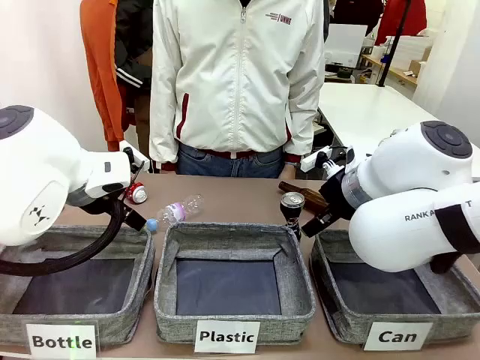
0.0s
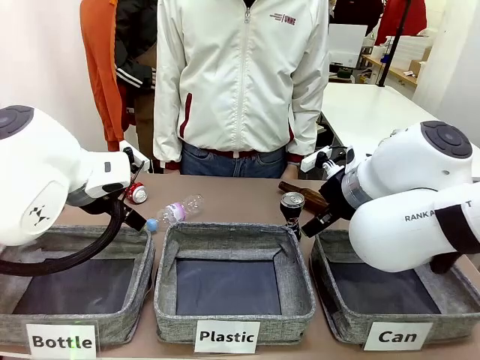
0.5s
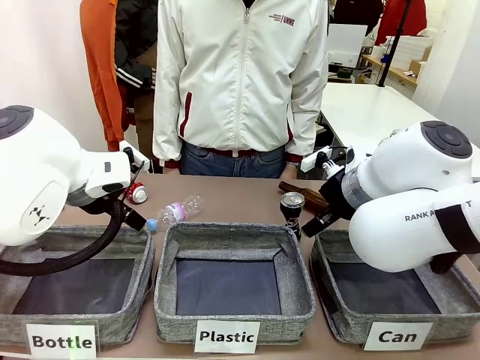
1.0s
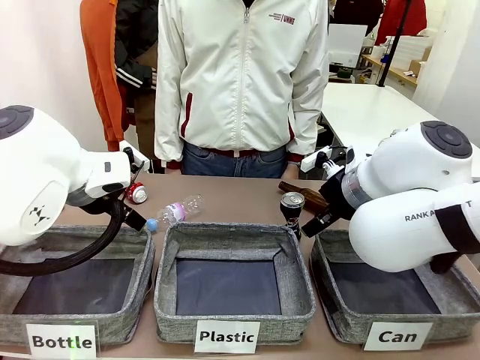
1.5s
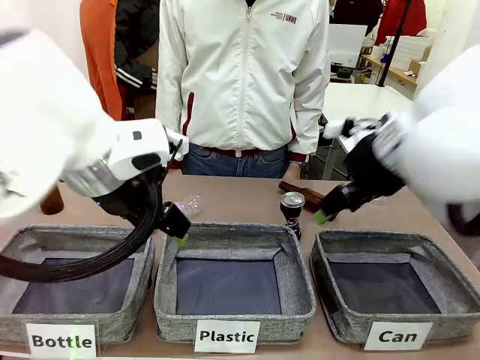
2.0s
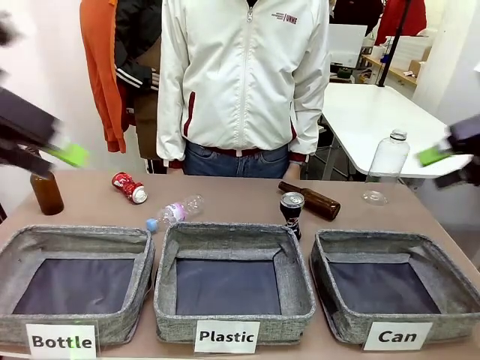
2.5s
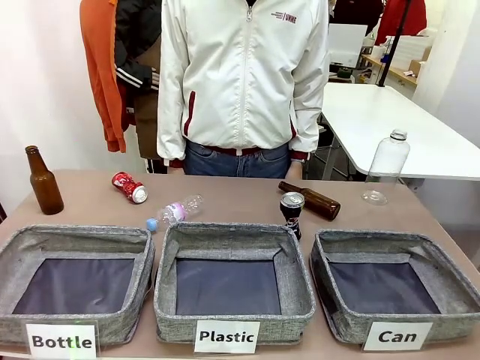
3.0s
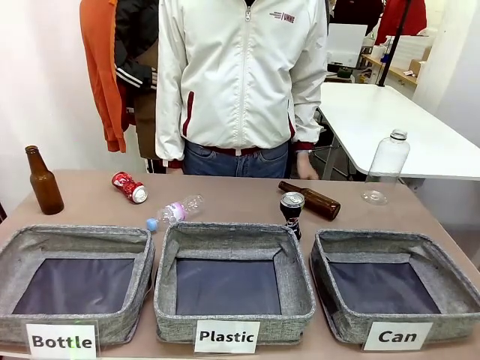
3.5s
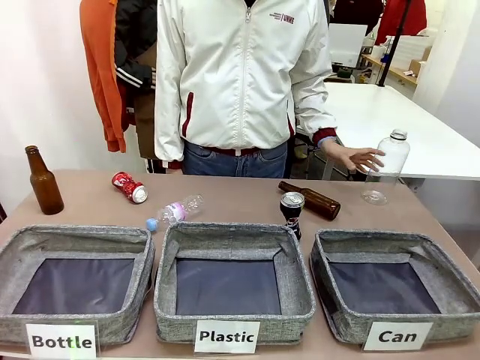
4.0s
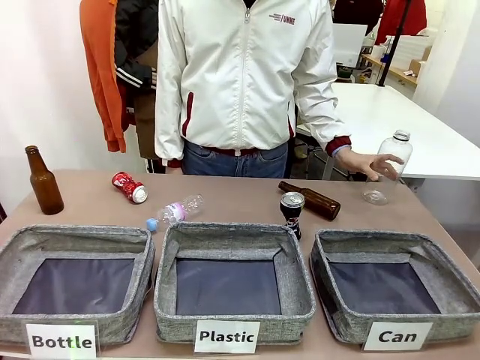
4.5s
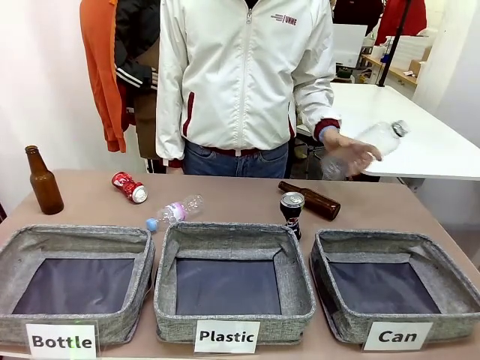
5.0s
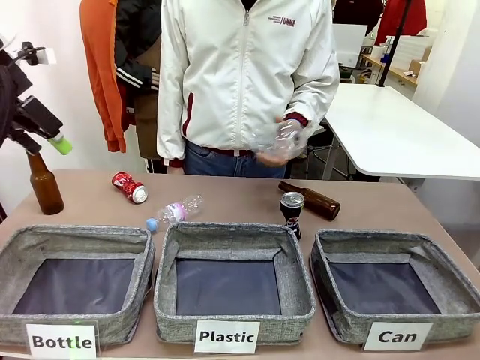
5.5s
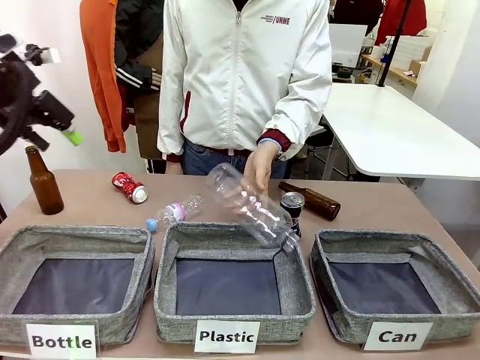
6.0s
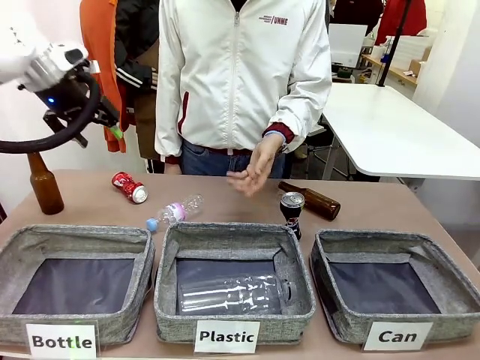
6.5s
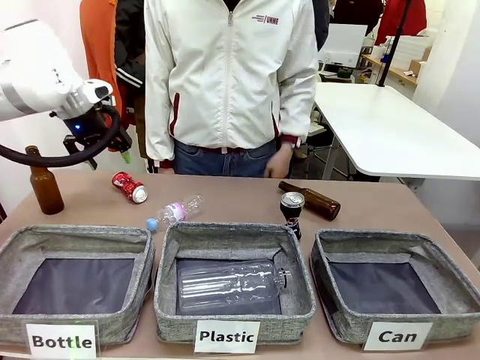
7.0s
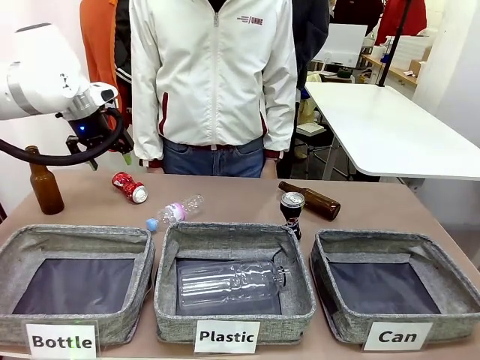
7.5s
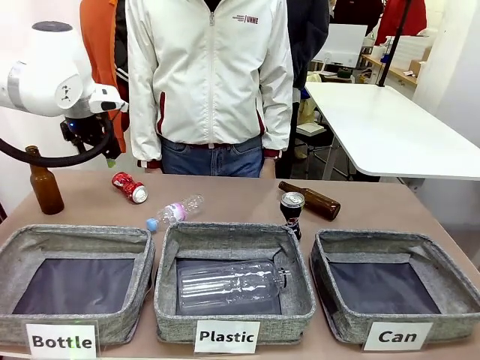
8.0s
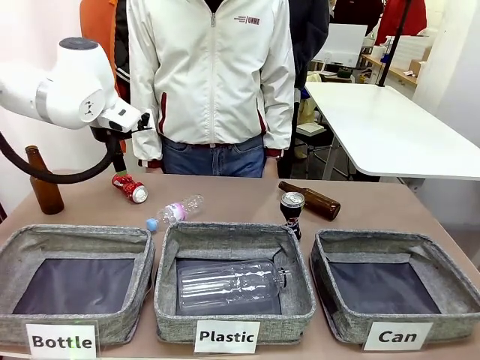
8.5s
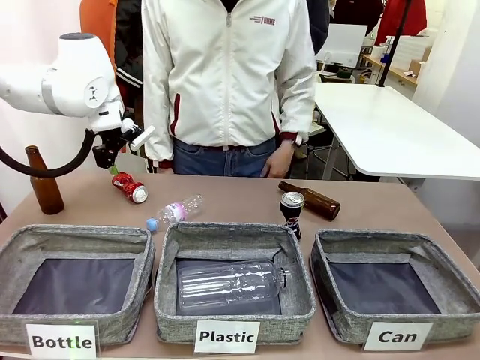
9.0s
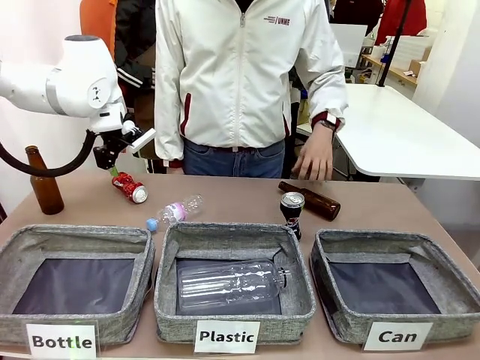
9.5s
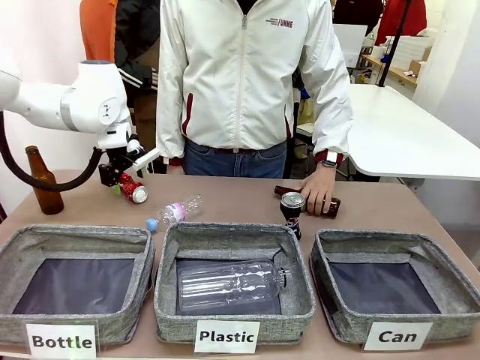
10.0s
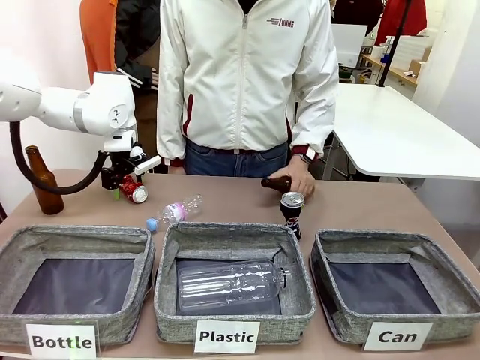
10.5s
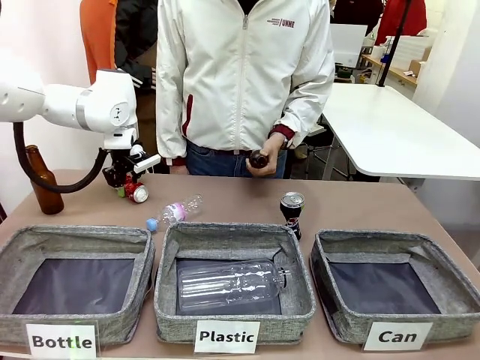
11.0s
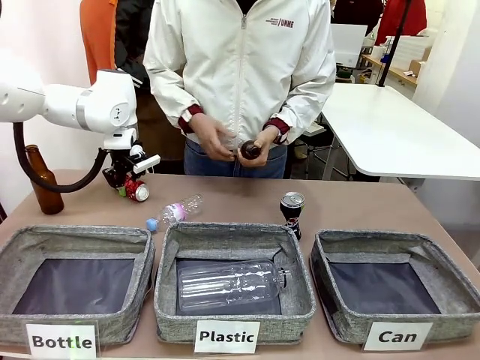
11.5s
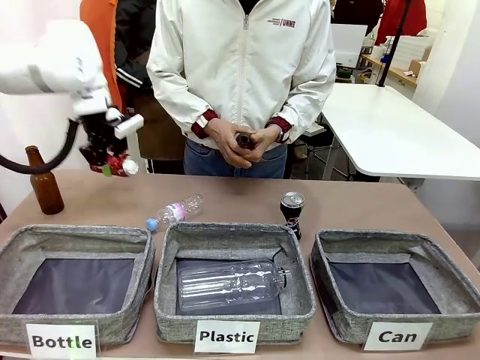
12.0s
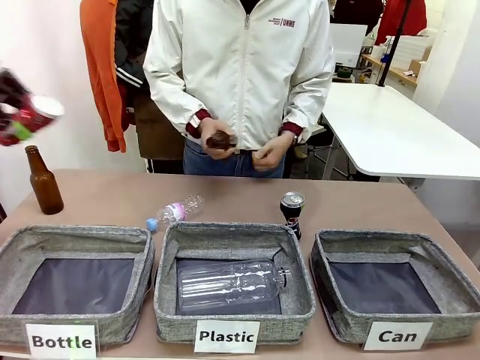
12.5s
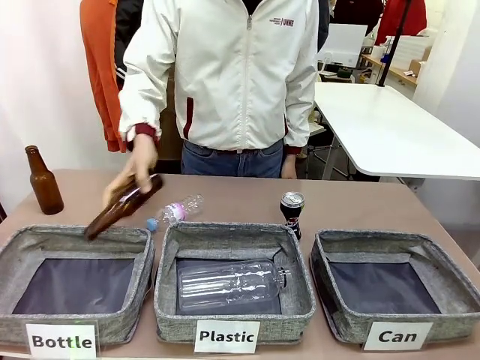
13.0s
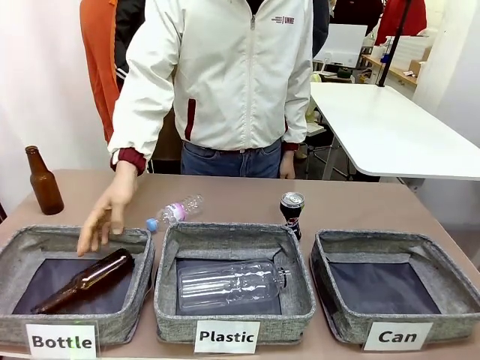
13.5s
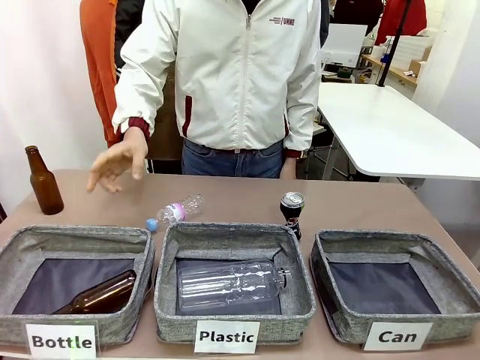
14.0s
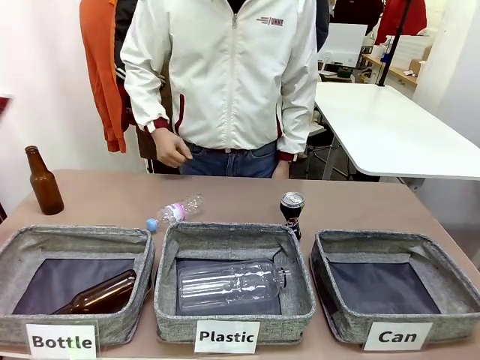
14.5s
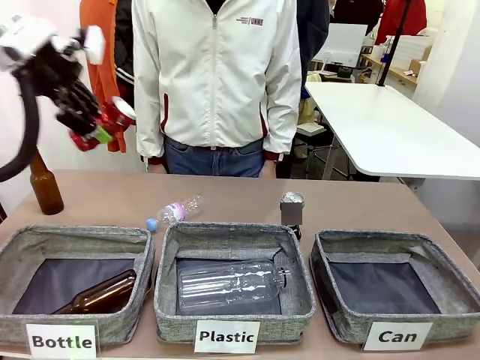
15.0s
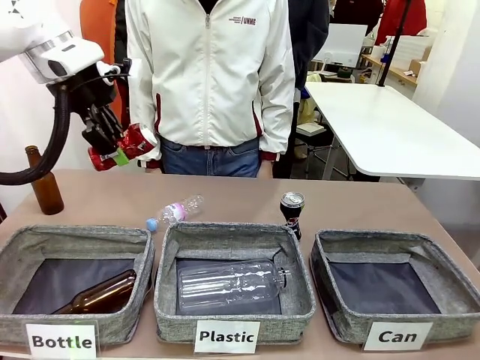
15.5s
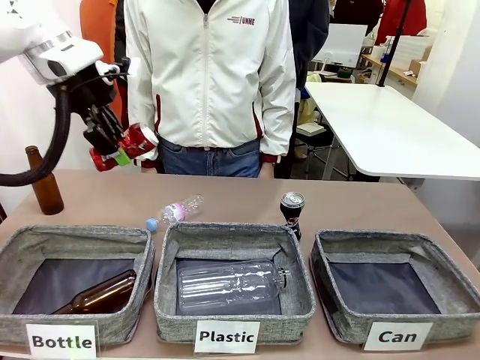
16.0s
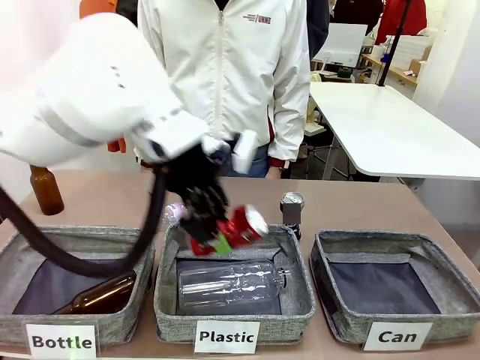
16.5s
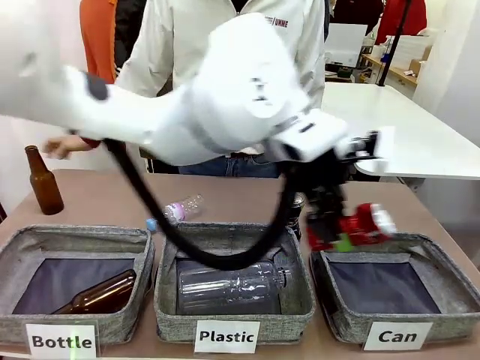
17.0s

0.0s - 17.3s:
Task: Sort the can waste into the basket.
Robot: Pick up the can waste from the table and place it in the right Fabric basket.

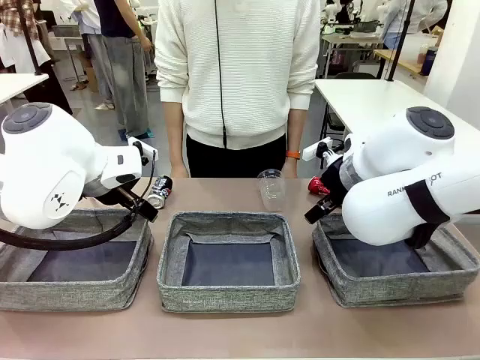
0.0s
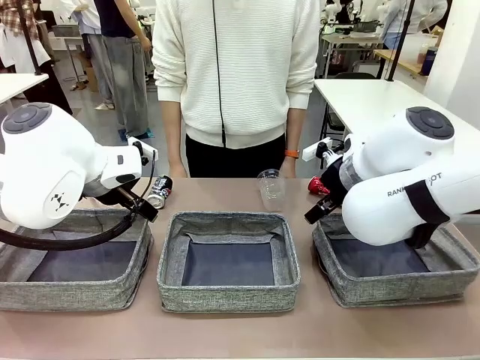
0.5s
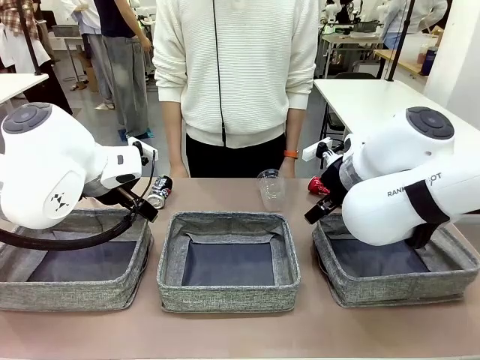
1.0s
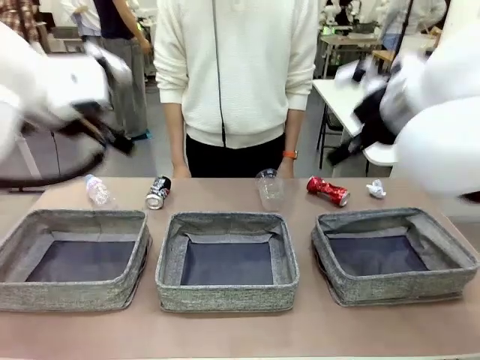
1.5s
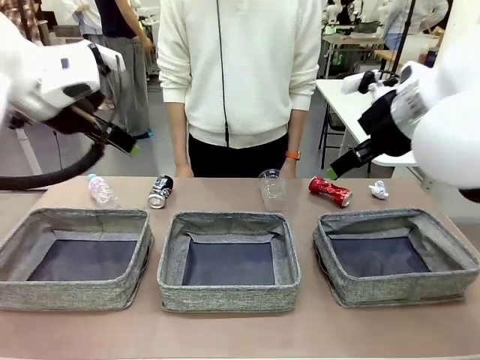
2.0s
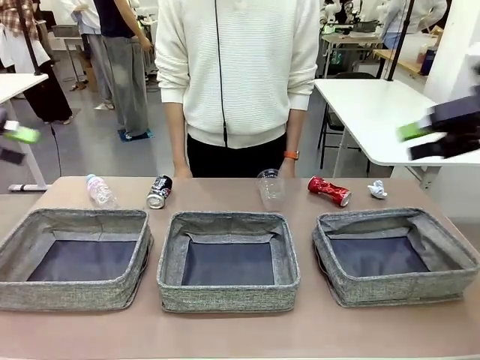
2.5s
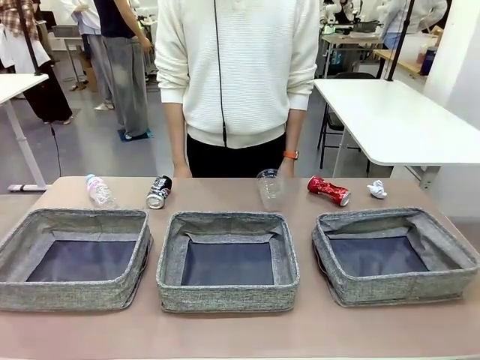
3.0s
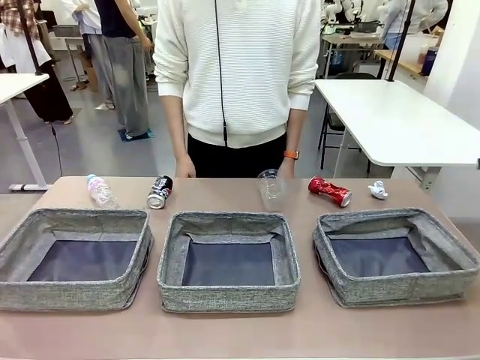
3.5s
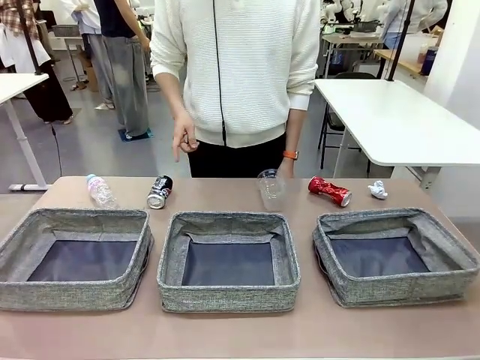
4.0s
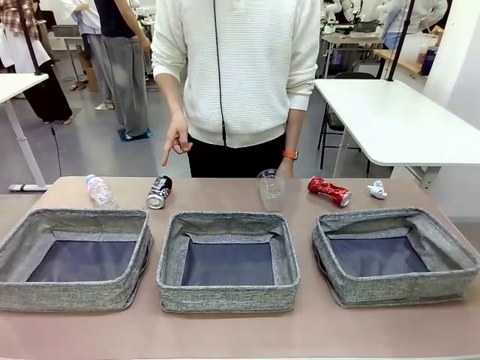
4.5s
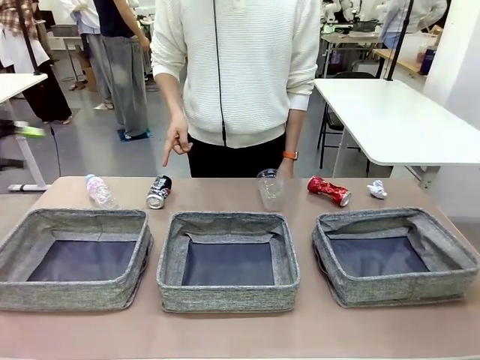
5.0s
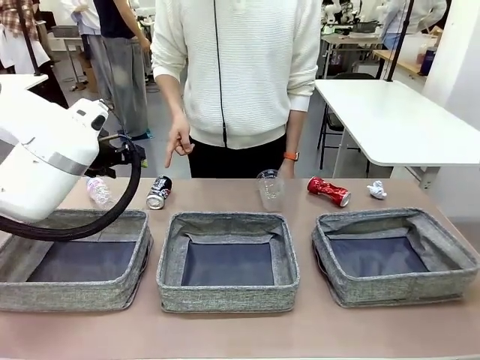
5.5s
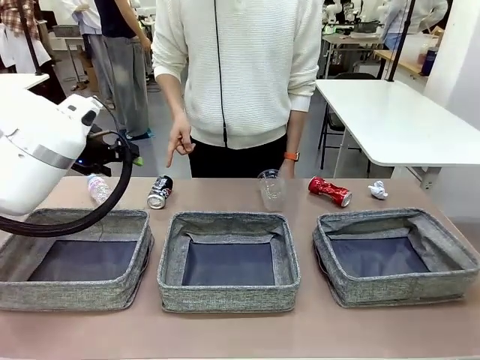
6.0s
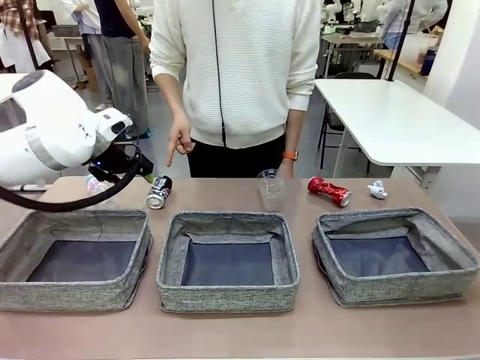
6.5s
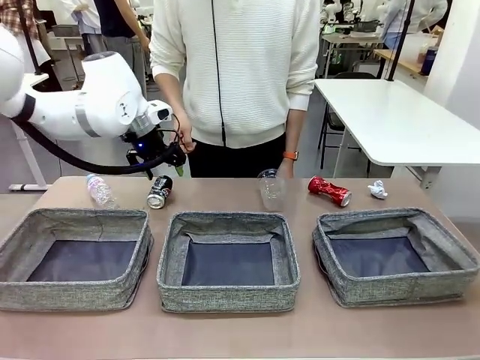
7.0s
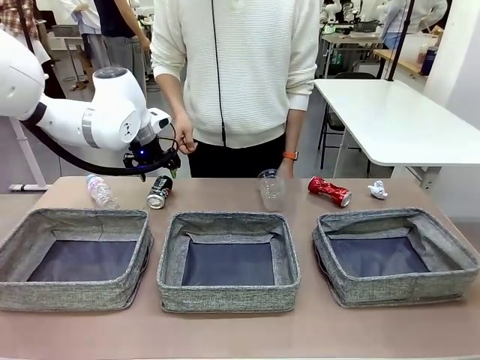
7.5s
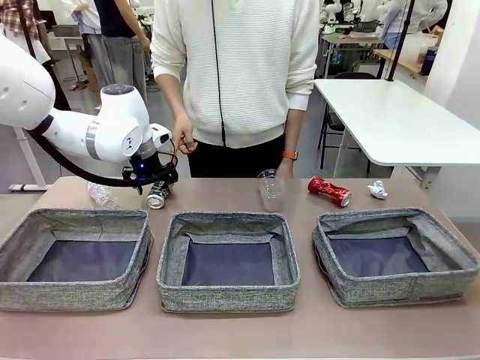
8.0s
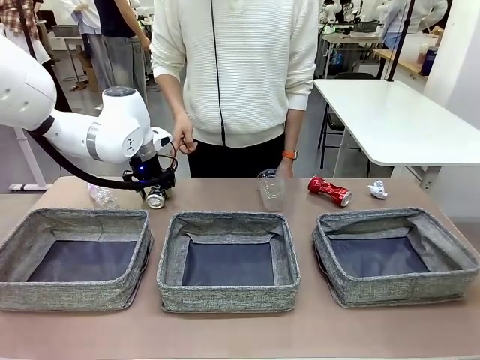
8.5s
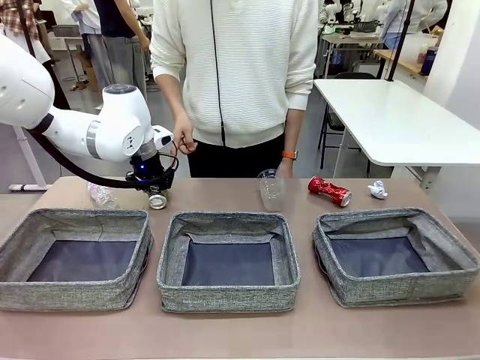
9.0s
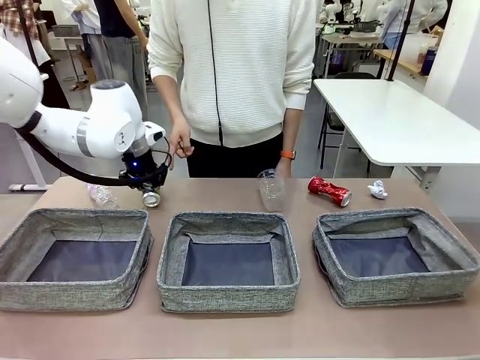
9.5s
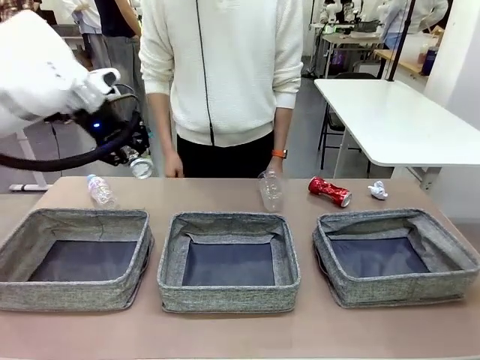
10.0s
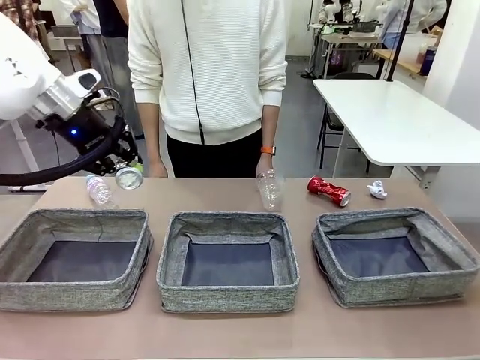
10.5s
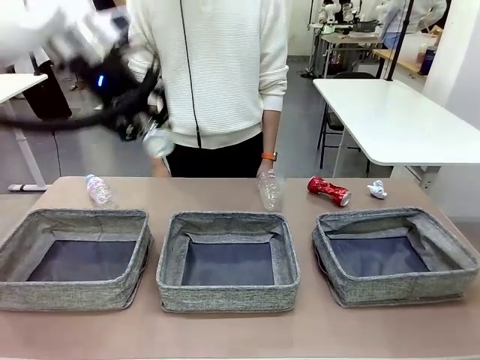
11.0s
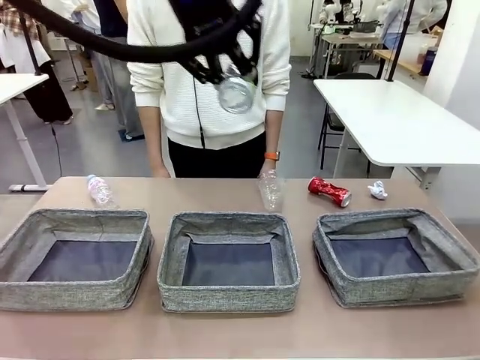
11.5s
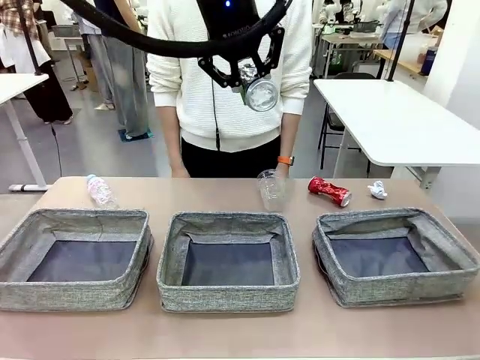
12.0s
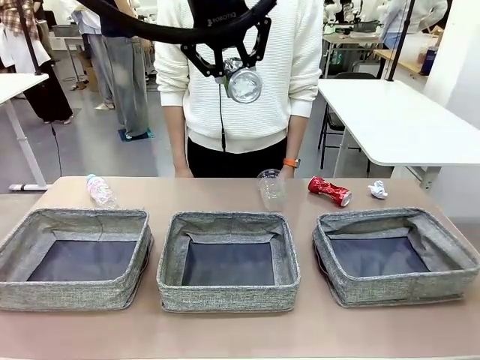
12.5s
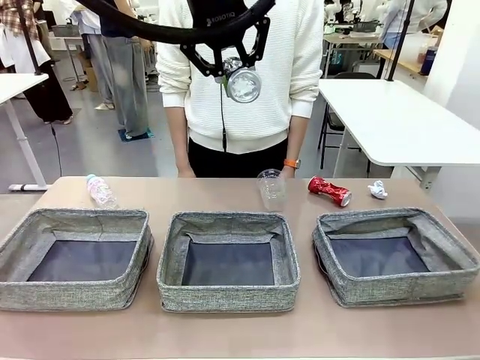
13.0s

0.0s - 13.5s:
Task: Sort the waste into the appropriate baskets.
Robot: Pick up the waste item pointed out by the person.
Person: Points to one piece of trash on the table.
